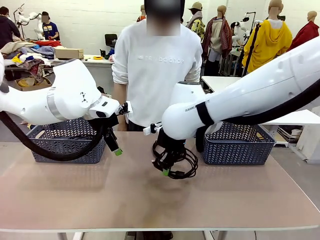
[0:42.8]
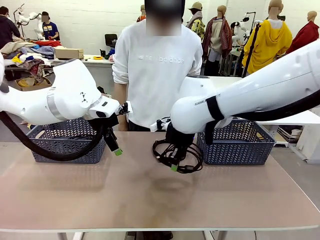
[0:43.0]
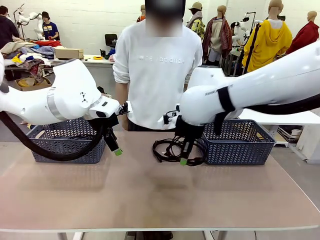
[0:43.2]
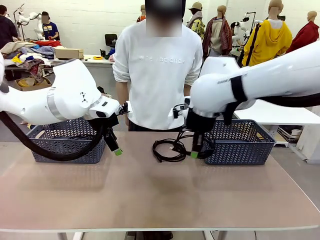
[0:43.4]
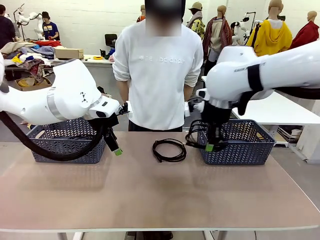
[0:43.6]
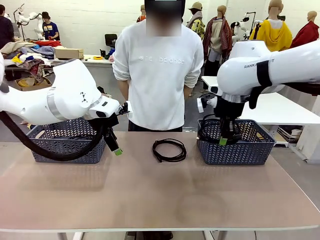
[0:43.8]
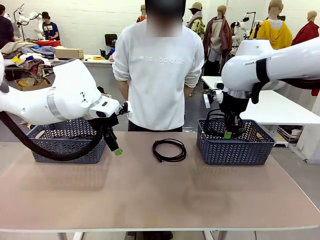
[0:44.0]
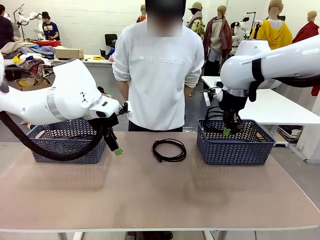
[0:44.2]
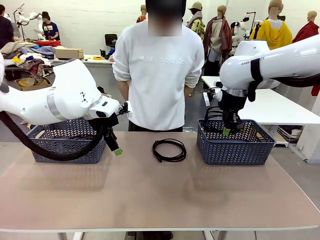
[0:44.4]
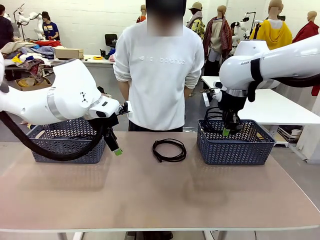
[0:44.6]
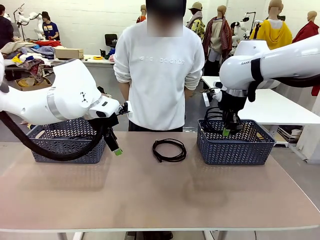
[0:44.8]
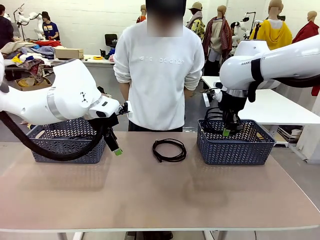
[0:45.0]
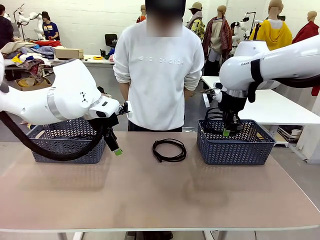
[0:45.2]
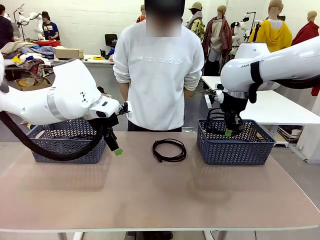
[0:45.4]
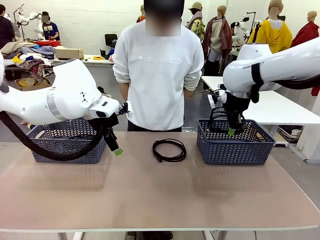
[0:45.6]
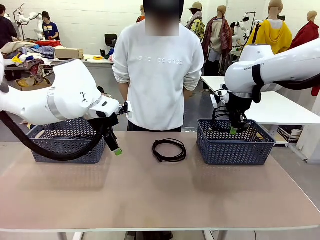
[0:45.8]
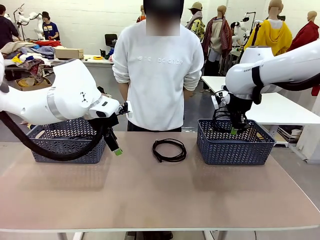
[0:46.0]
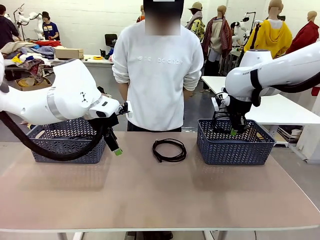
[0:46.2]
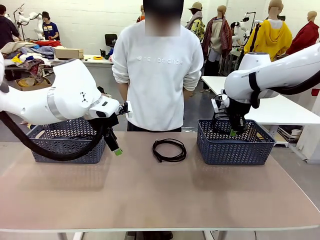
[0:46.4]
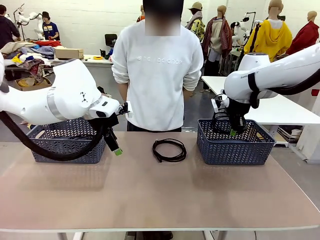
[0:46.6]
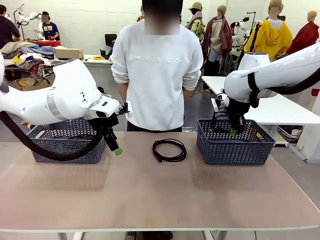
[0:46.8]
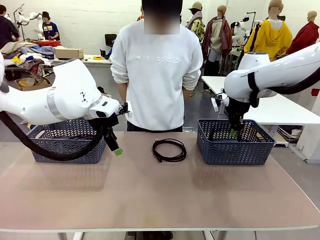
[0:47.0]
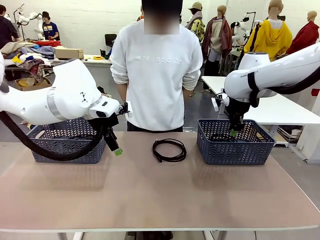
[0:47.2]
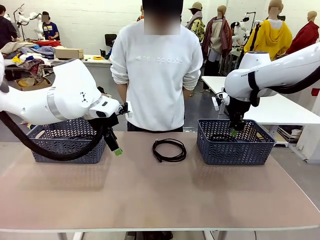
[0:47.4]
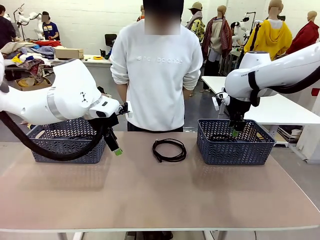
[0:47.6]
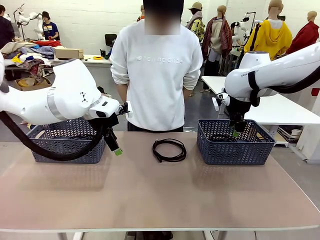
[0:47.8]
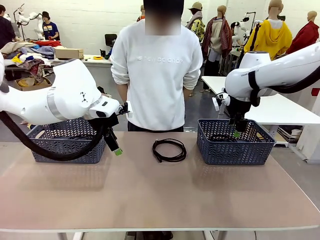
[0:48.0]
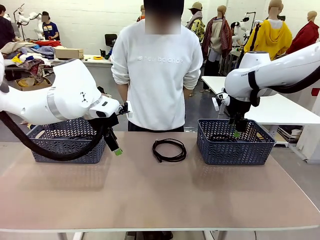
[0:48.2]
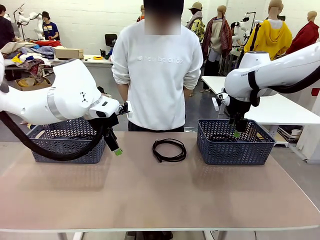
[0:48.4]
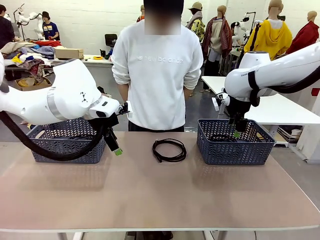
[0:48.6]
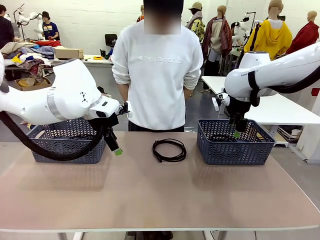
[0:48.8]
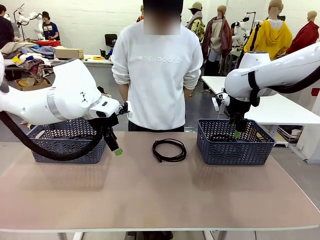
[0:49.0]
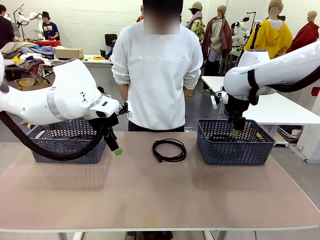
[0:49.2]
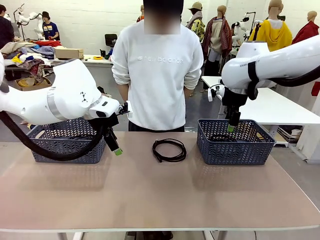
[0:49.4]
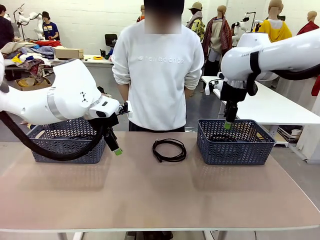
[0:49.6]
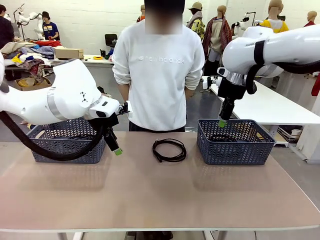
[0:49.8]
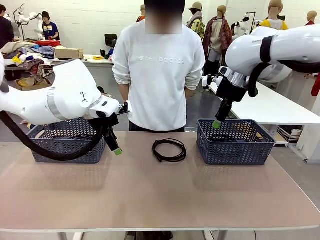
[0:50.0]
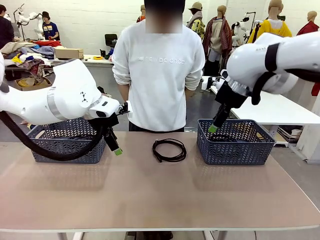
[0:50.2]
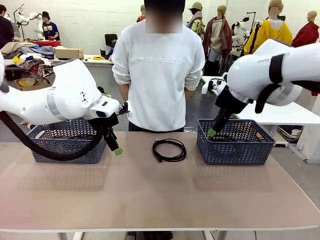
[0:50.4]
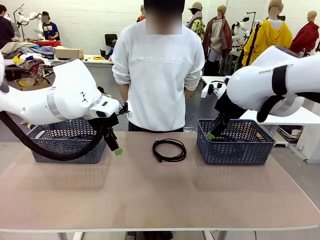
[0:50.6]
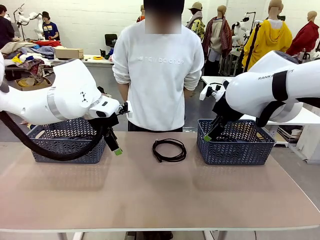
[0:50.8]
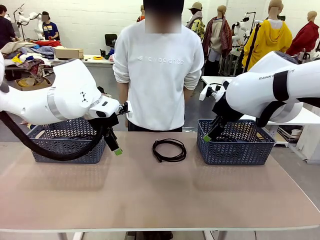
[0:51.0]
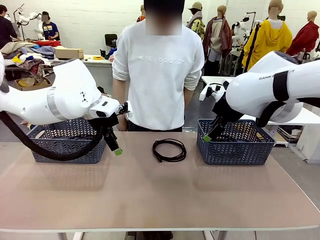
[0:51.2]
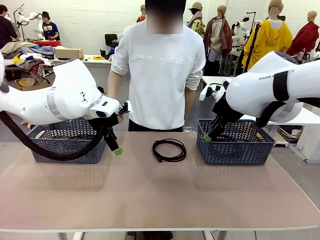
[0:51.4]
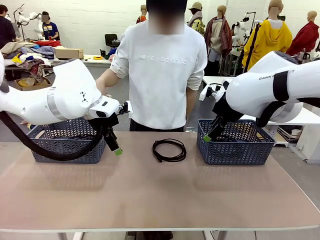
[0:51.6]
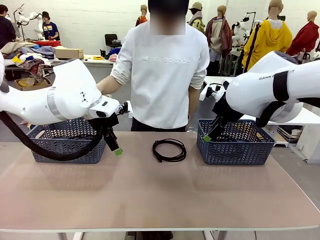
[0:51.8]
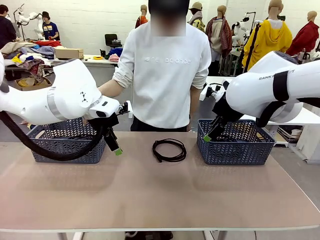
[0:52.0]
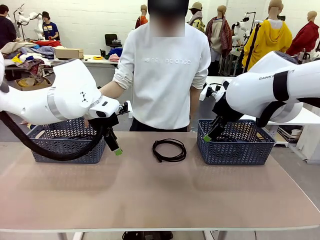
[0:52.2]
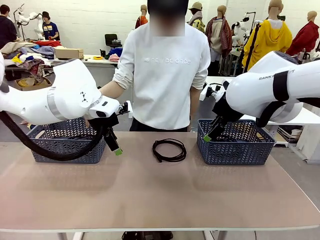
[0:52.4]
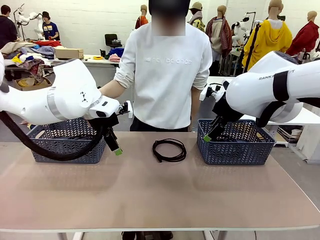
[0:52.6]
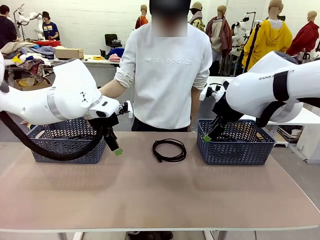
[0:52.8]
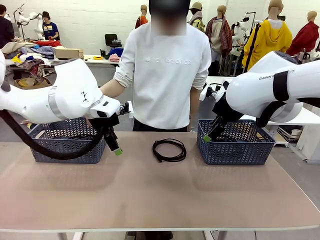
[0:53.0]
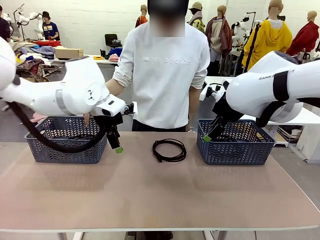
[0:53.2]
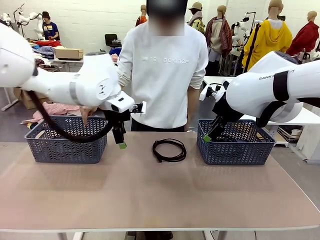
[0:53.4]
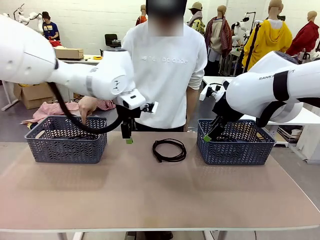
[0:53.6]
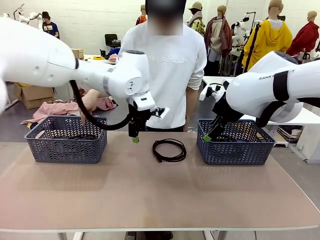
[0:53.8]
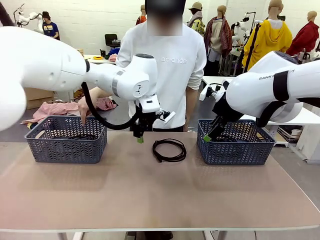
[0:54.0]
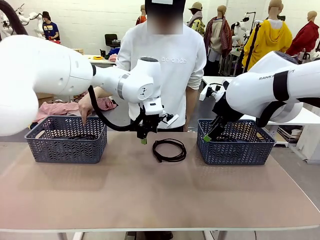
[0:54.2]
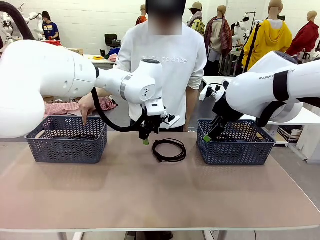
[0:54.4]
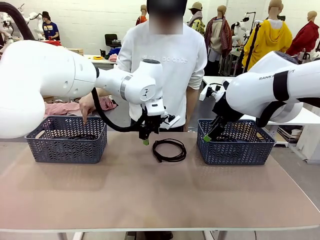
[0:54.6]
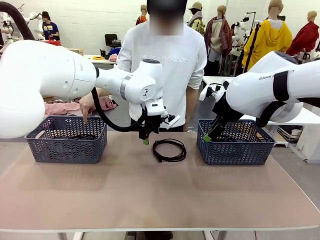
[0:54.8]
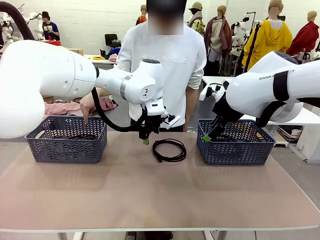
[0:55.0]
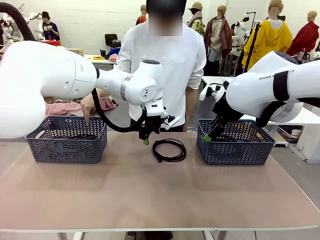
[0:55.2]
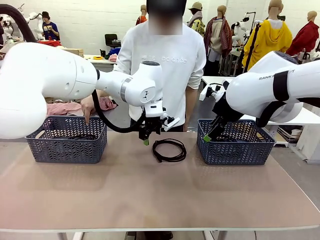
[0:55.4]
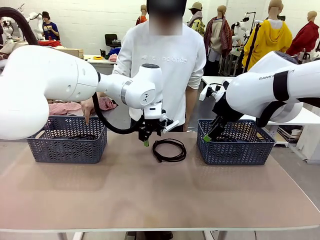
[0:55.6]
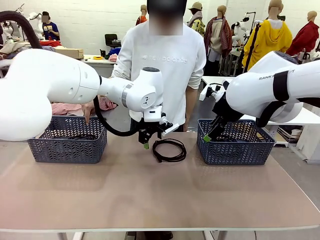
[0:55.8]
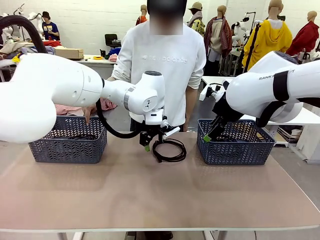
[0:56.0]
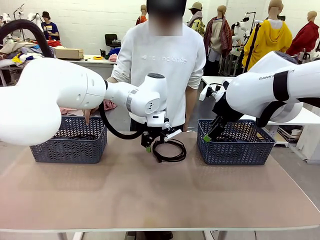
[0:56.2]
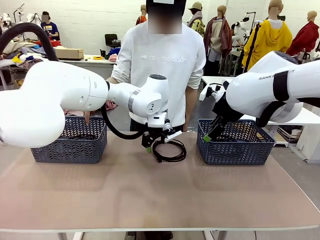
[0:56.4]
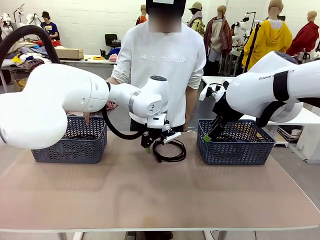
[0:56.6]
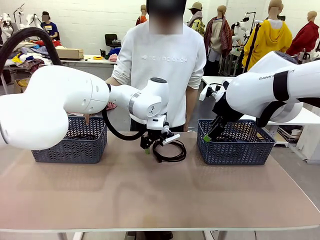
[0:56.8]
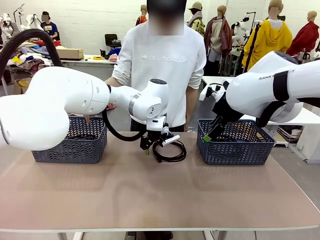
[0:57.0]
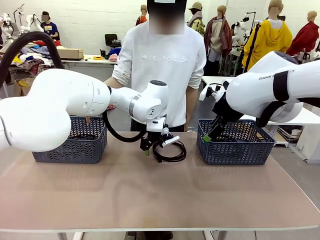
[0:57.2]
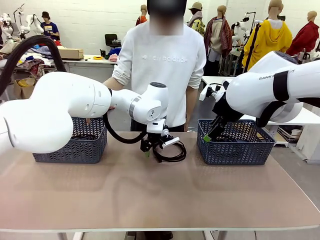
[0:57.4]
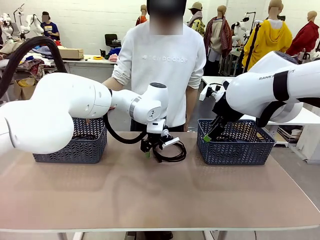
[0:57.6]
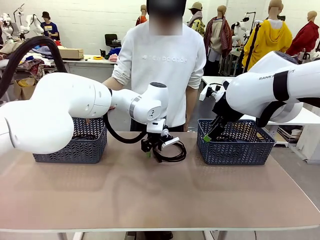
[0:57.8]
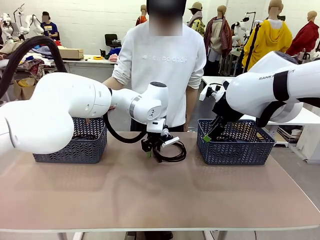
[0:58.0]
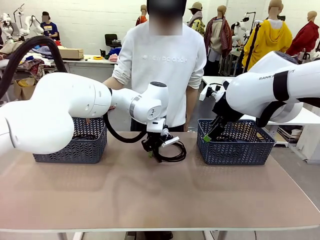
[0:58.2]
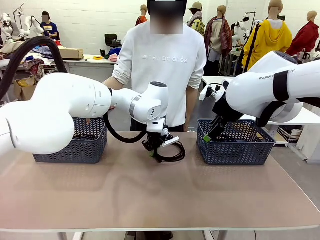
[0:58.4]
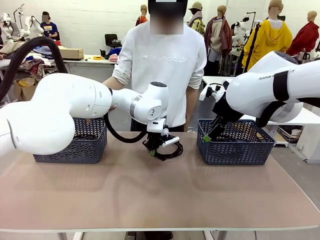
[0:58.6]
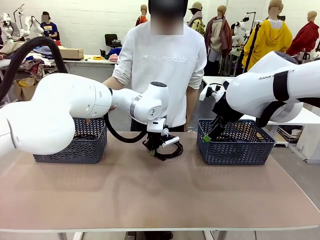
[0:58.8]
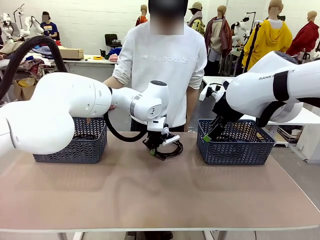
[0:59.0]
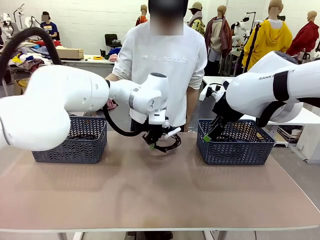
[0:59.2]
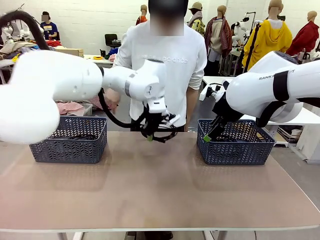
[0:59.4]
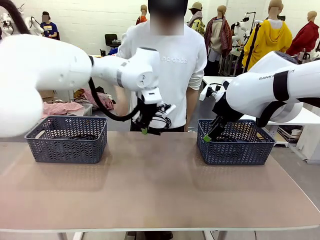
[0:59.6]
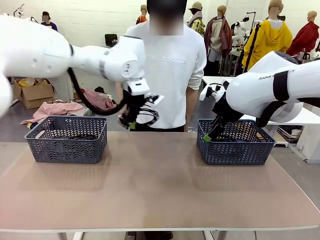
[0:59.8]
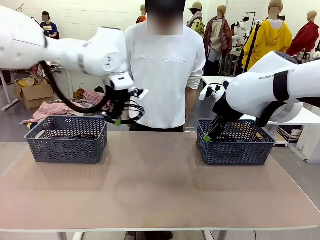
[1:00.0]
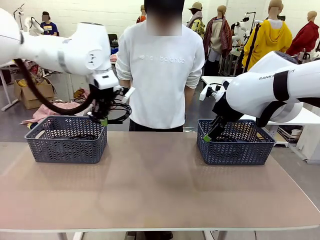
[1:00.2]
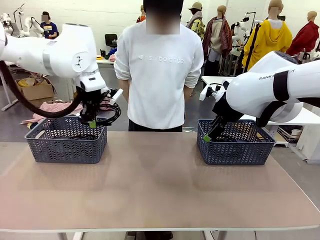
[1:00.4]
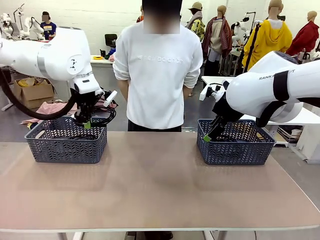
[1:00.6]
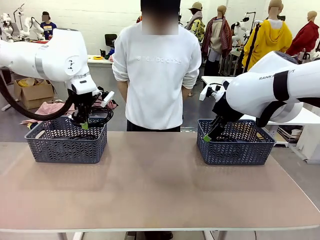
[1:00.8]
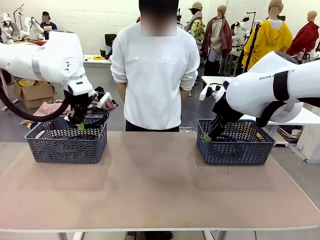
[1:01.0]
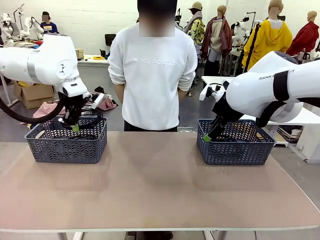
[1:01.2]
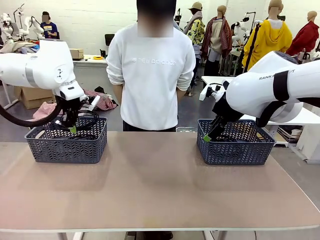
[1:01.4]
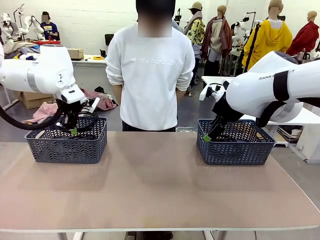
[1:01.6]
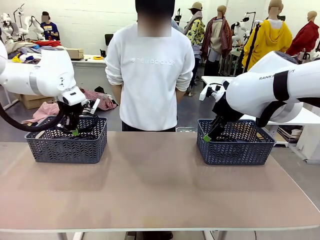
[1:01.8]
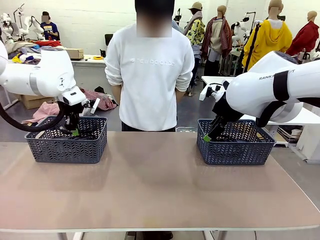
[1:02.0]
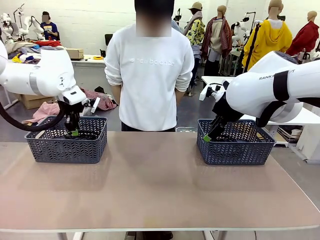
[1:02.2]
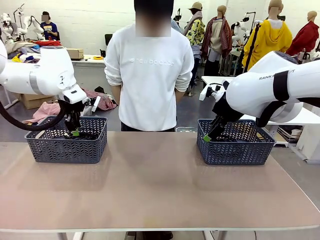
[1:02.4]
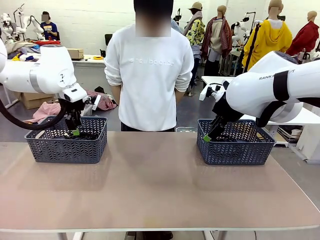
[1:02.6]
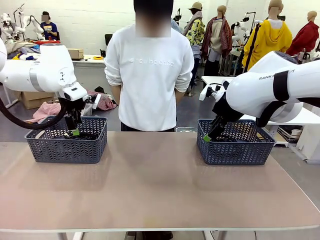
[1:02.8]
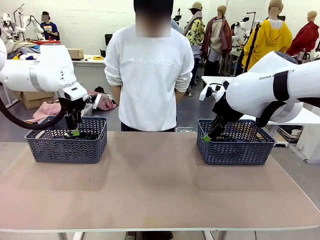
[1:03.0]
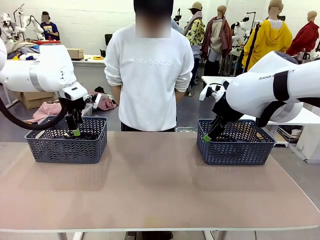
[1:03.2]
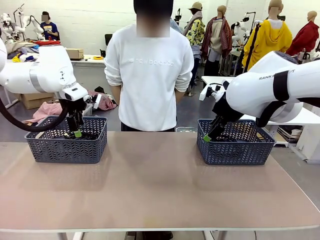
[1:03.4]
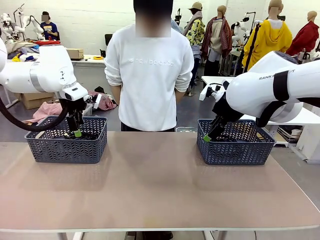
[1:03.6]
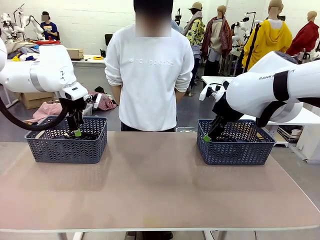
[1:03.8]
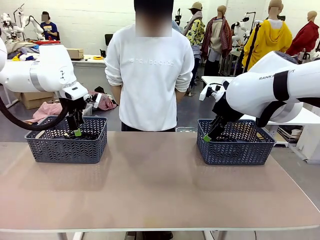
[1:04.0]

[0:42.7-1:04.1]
Task: Organize the cables according to human instructions.
Robot: Pick up a bundle of cables and place it in the basket indicated by the human.
